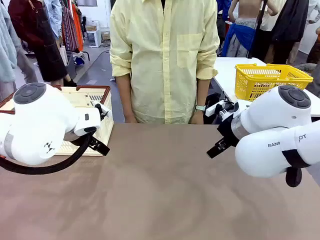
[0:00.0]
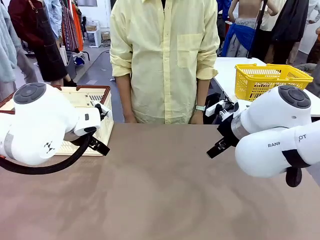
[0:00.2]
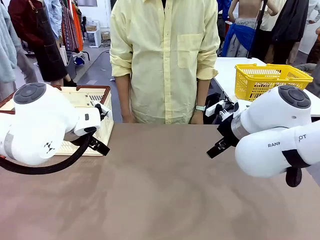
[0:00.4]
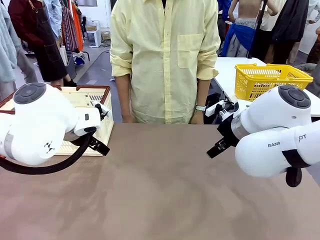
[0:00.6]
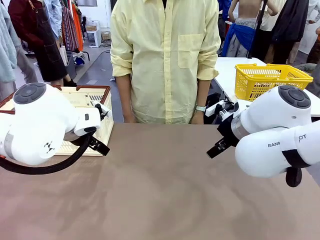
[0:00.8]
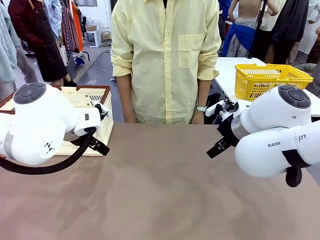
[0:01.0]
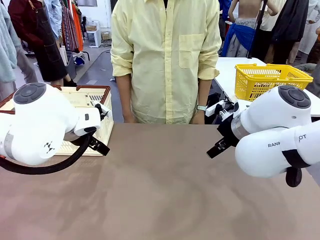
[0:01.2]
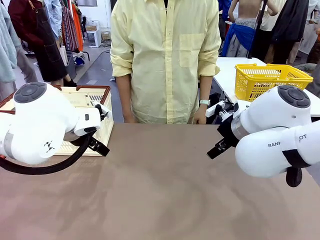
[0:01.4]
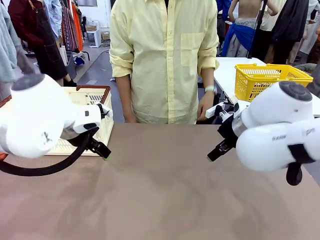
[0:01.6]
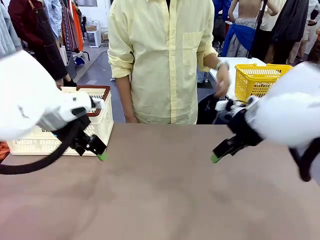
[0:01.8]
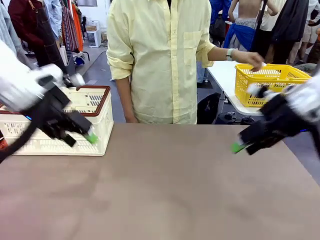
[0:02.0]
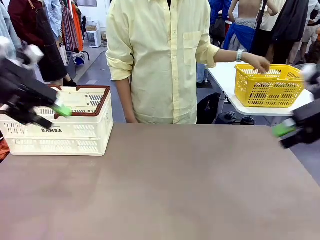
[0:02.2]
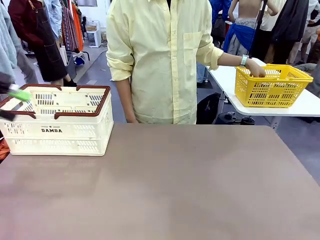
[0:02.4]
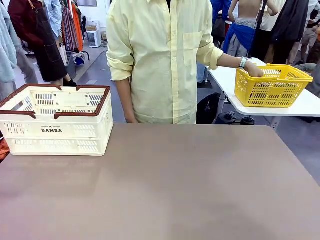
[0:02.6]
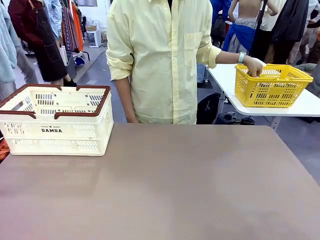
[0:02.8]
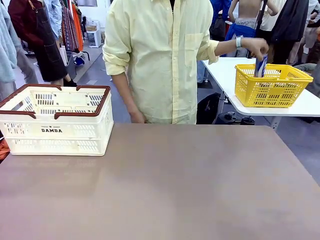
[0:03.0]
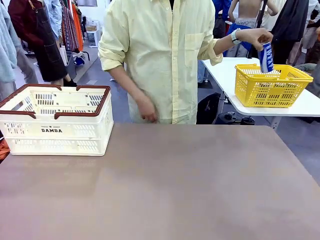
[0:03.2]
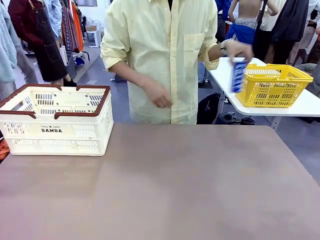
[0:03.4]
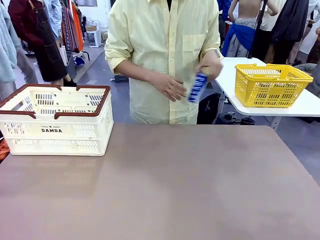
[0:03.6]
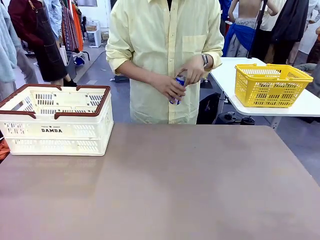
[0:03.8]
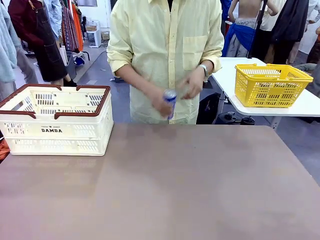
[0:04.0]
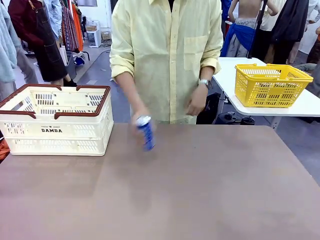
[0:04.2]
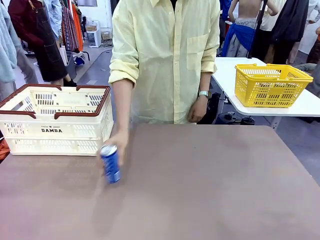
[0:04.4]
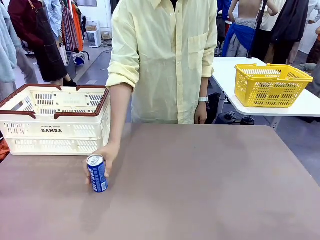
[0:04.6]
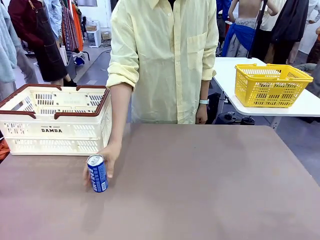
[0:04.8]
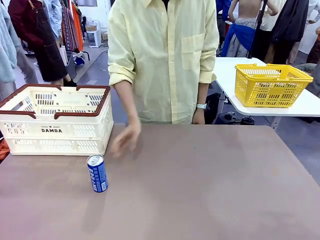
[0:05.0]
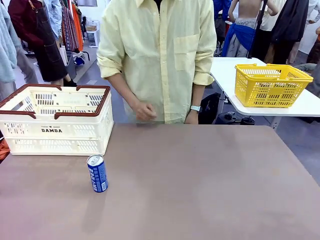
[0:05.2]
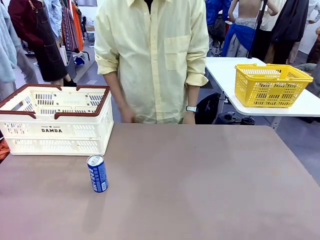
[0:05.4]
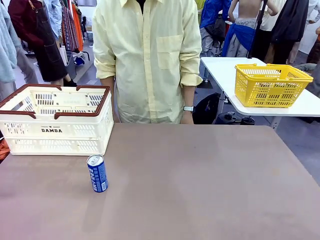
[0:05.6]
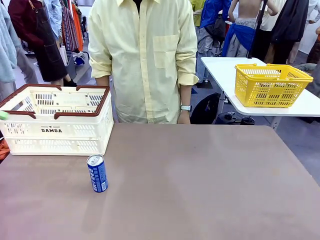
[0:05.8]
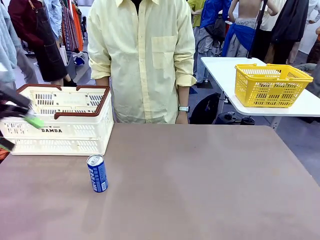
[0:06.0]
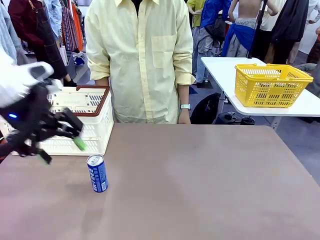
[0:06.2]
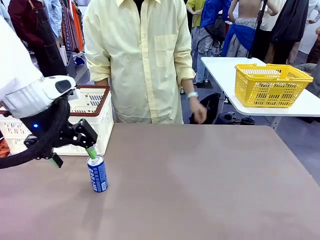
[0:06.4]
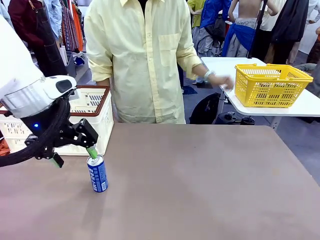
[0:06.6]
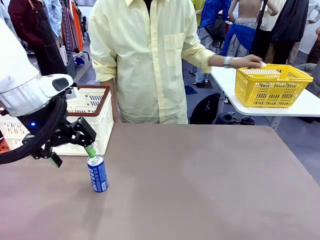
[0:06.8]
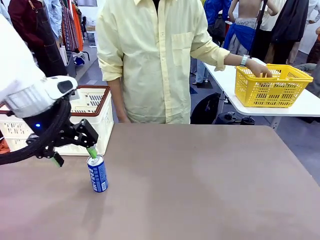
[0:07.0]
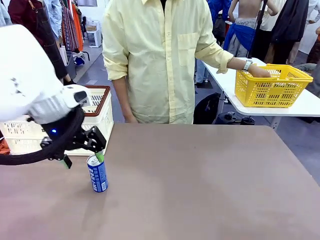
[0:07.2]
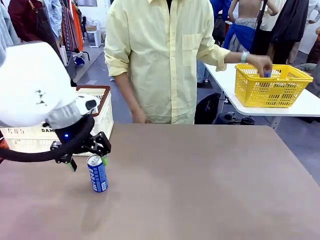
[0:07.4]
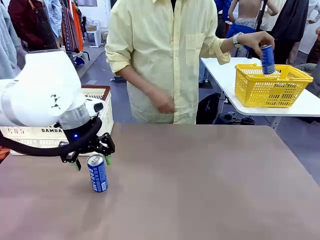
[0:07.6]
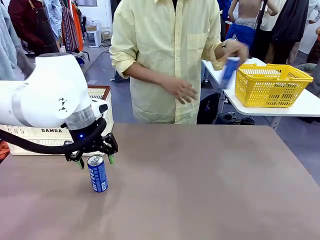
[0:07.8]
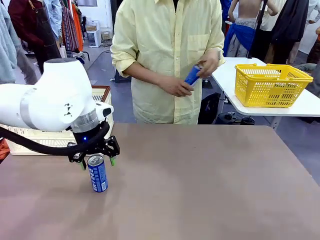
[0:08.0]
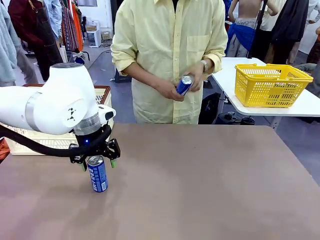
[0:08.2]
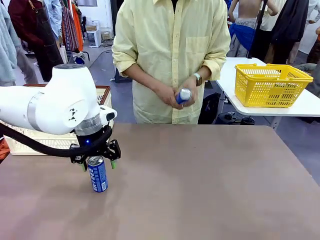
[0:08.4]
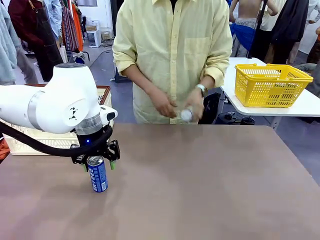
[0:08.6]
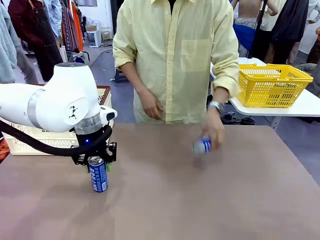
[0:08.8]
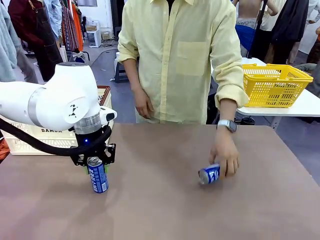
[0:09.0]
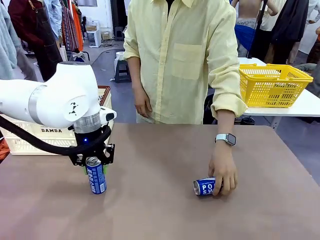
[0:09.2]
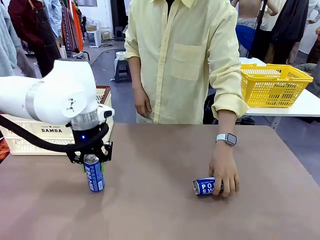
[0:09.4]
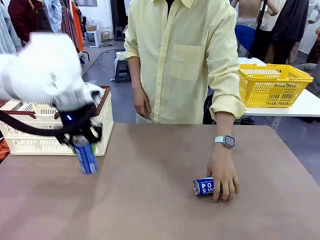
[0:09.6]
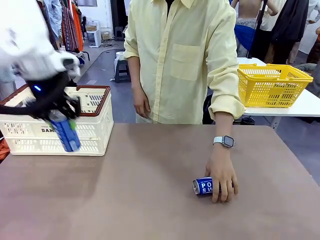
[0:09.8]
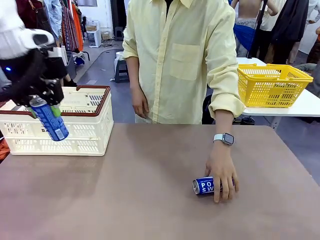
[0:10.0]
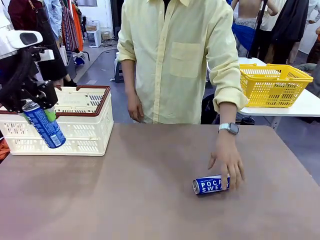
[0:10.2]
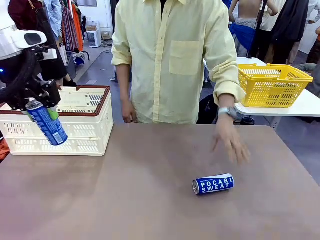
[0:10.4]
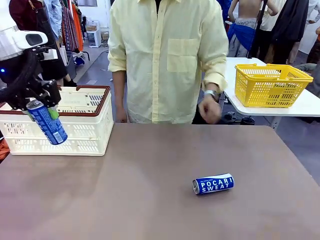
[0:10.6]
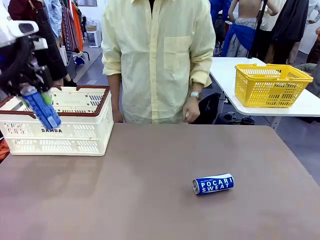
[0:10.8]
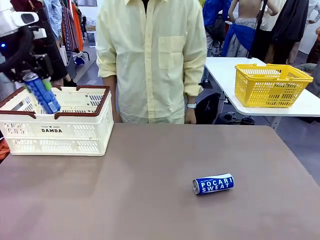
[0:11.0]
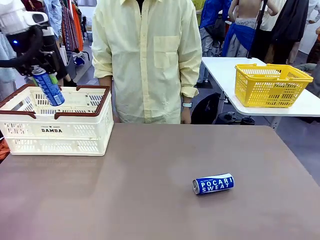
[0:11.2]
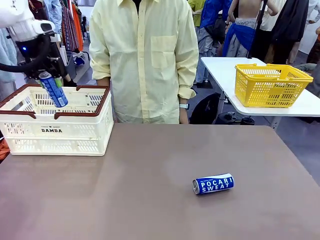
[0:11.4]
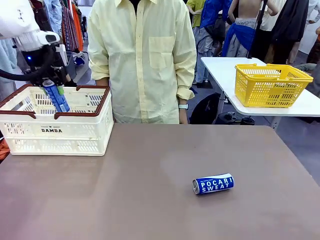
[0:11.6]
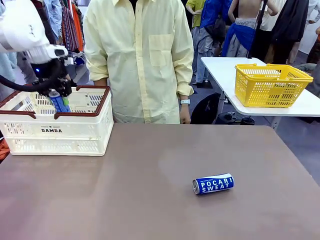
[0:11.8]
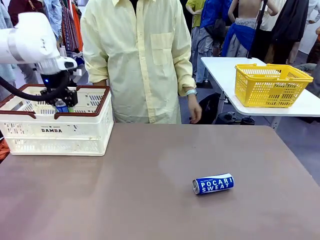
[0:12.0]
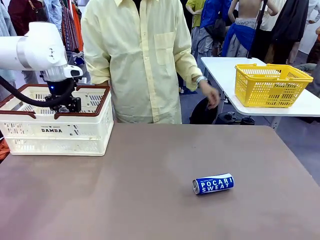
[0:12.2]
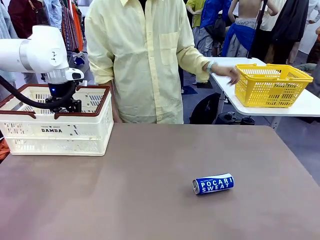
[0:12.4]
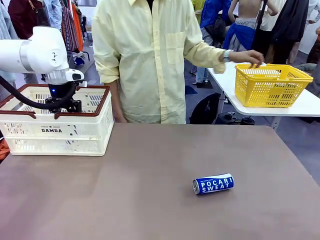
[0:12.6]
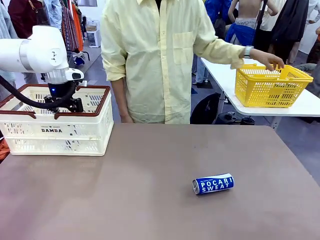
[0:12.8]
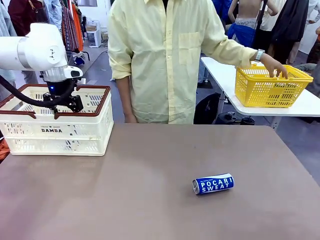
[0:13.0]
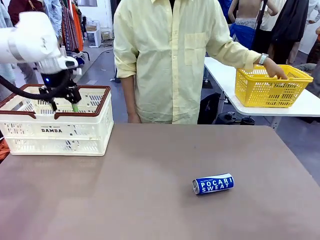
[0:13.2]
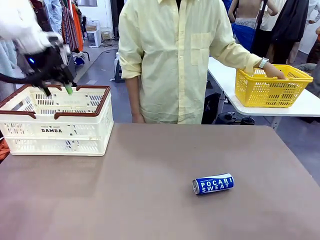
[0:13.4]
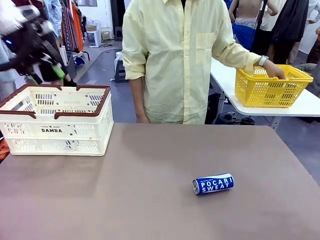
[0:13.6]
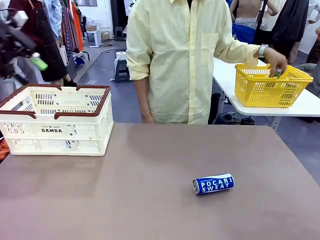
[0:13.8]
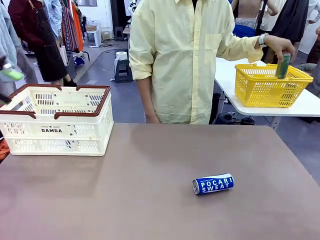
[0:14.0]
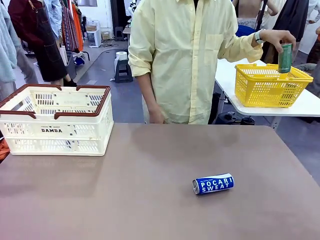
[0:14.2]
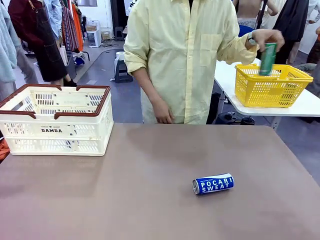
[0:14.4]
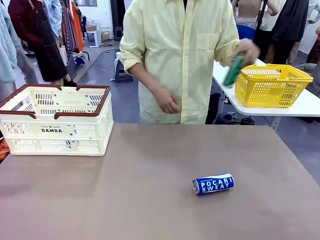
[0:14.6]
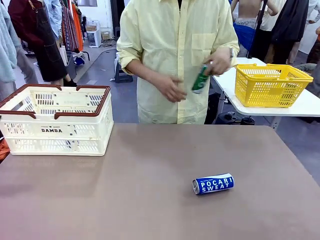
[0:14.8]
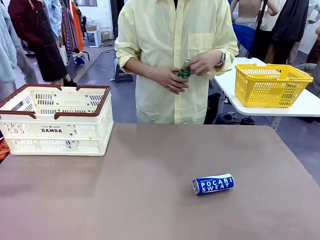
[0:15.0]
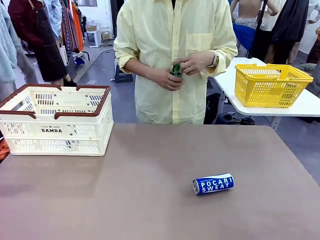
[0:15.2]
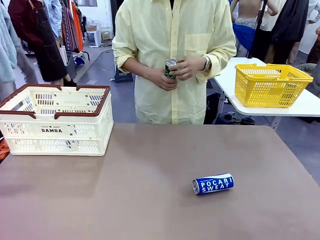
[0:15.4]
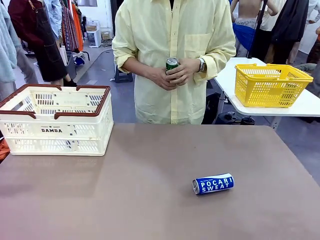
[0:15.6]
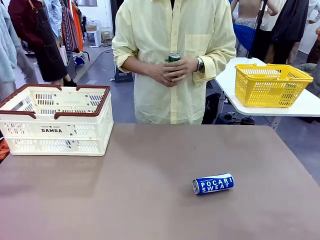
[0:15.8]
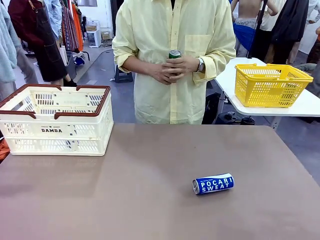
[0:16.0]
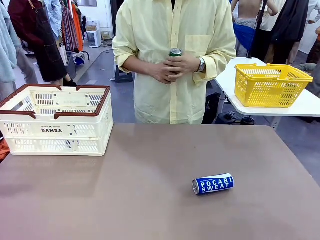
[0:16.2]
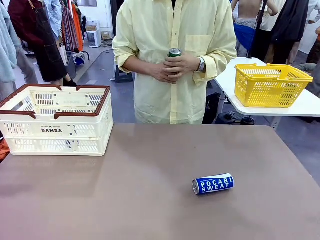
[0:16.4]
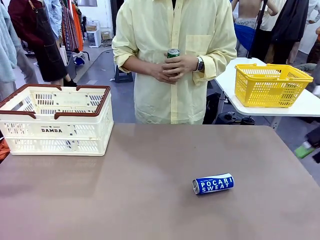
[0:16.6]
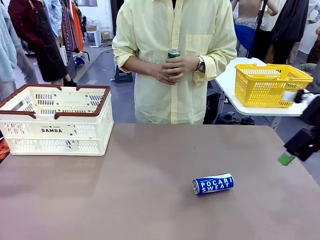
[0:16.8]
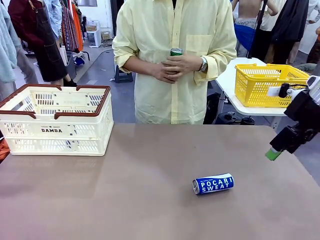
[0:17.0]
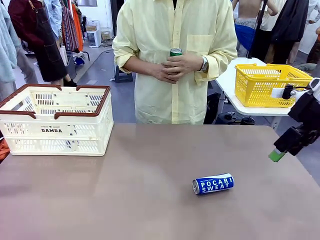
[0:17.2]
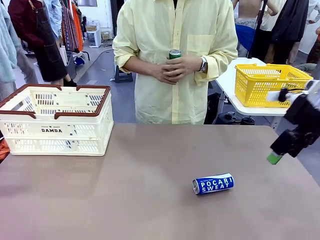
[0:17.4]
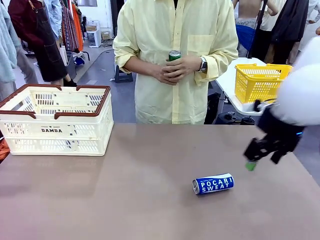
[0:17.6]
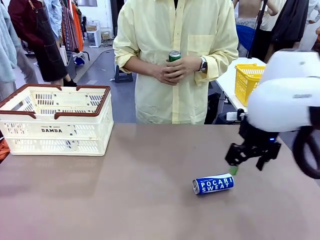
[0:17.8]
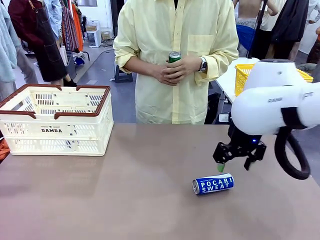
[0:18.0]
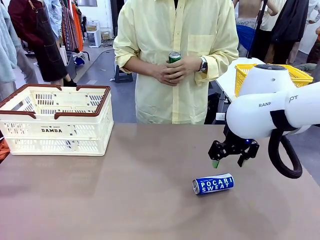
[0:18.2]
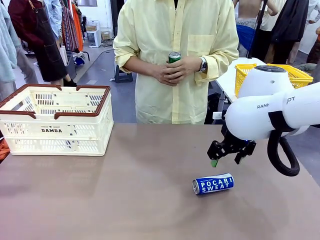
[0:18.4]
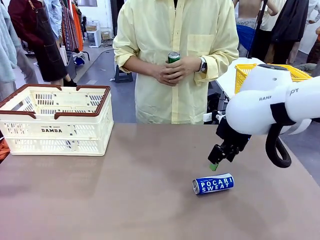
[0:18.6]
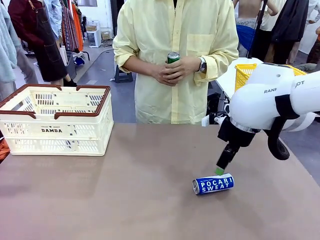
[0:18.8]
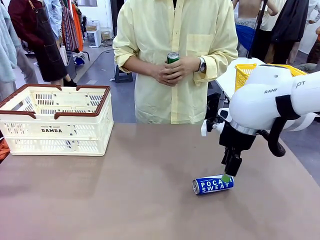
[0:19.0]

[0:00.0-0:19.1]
Task: Place the drinks into the Shopping basket.
Robot: Pick up one drink and place it into the Shopping basket.
